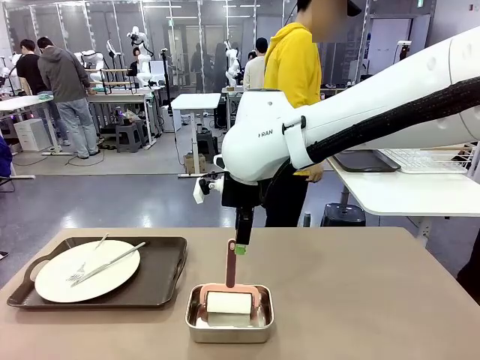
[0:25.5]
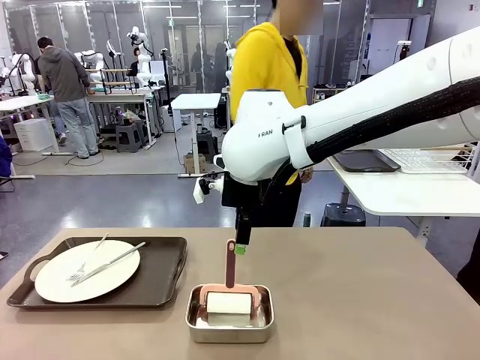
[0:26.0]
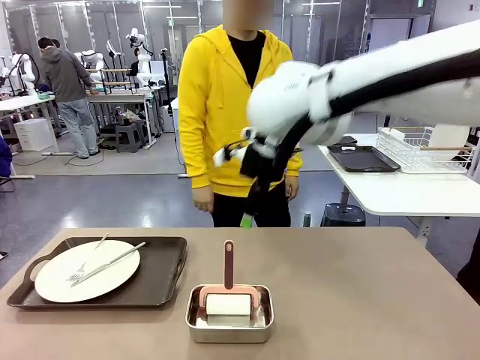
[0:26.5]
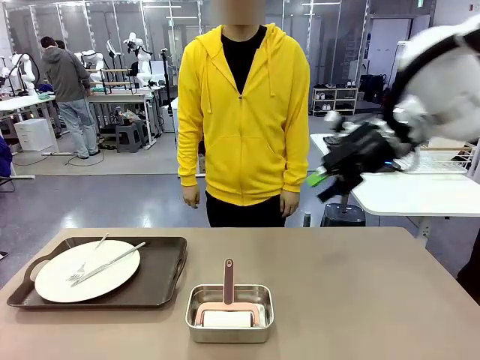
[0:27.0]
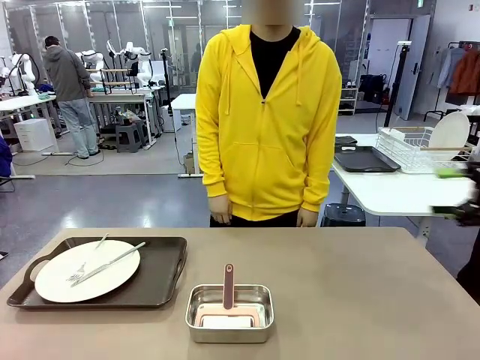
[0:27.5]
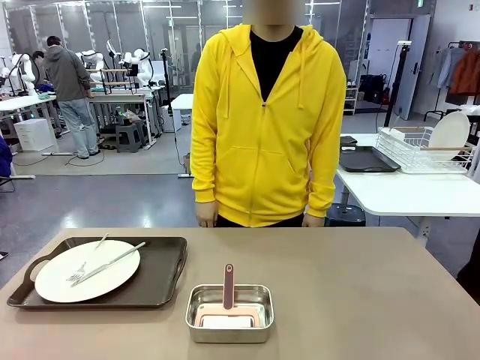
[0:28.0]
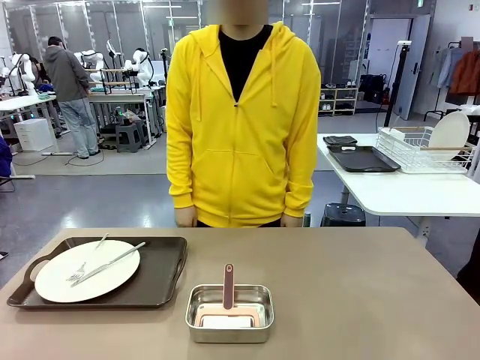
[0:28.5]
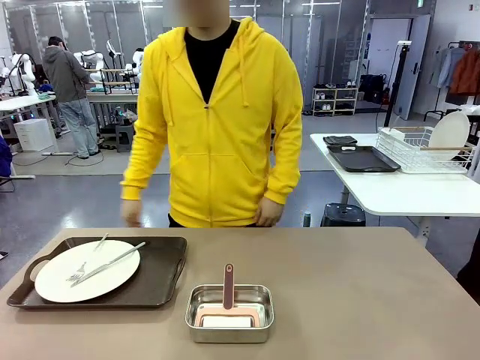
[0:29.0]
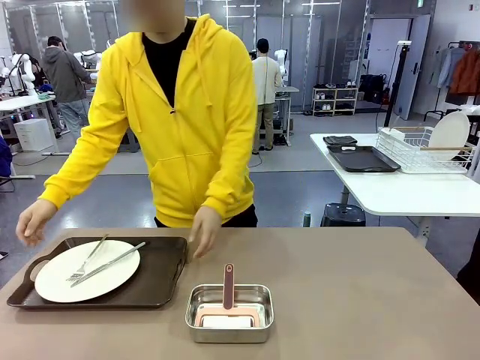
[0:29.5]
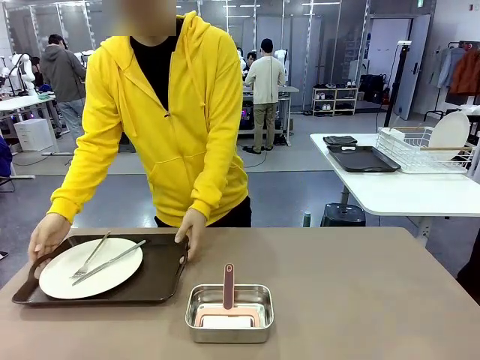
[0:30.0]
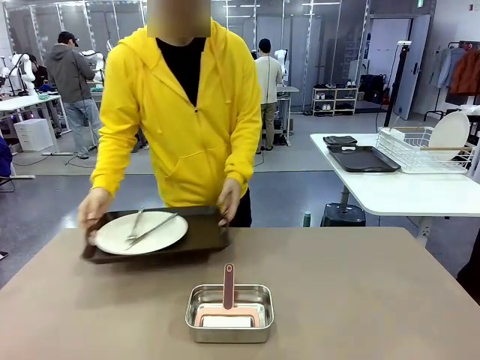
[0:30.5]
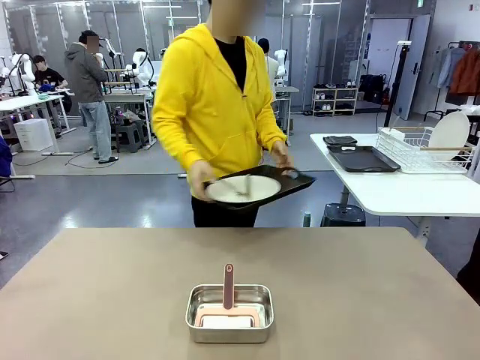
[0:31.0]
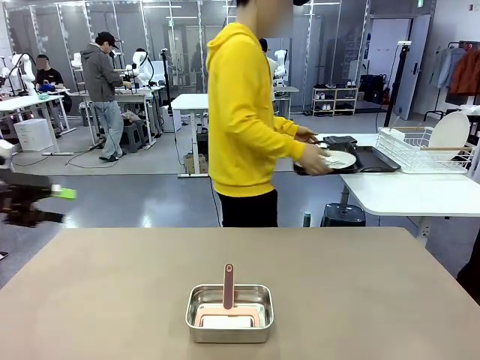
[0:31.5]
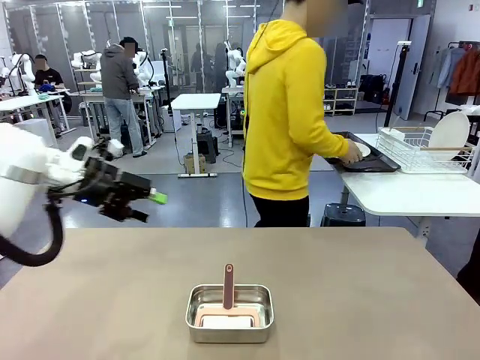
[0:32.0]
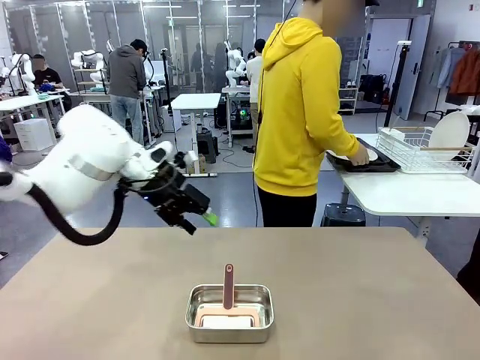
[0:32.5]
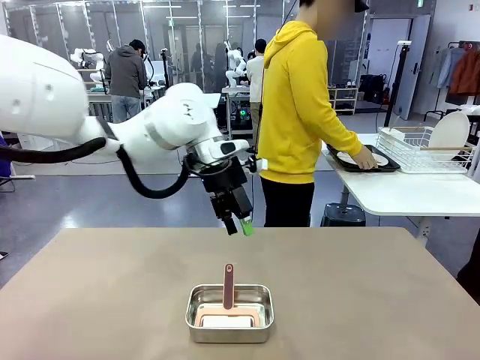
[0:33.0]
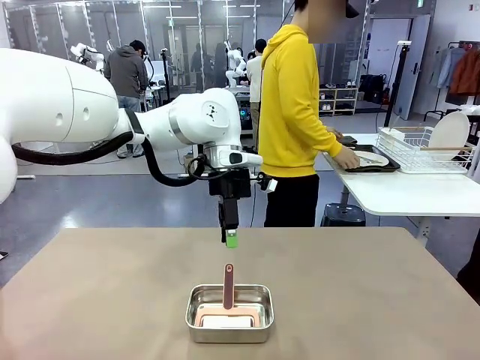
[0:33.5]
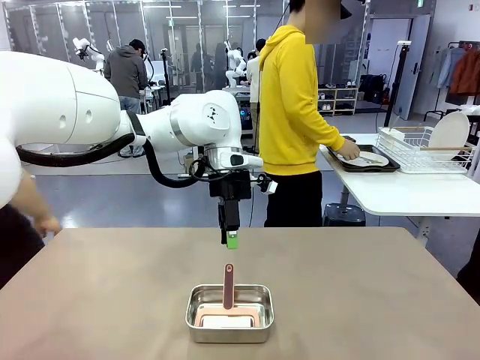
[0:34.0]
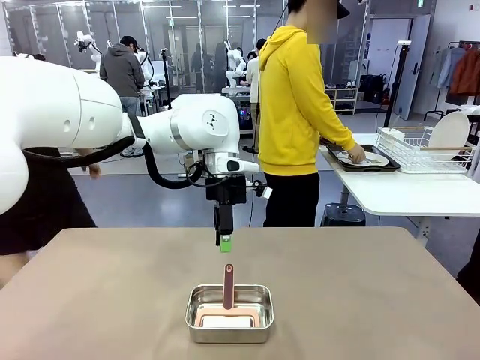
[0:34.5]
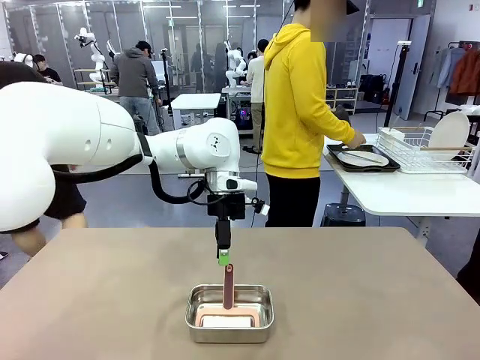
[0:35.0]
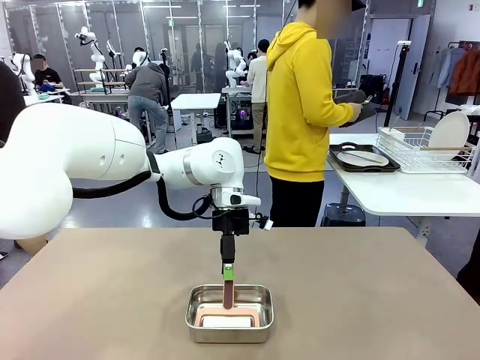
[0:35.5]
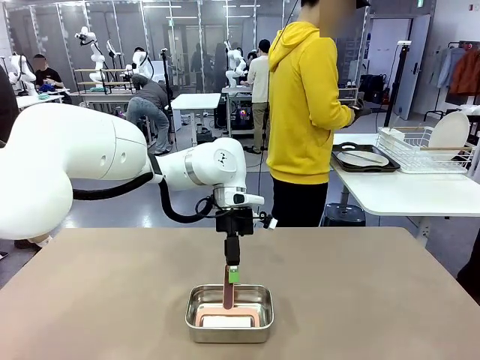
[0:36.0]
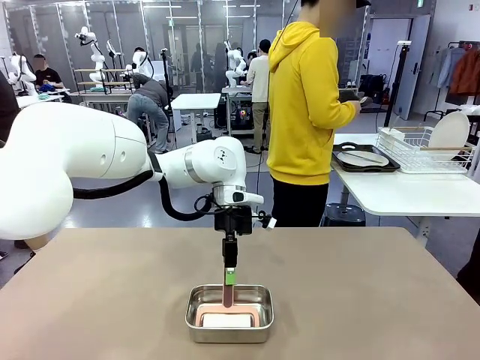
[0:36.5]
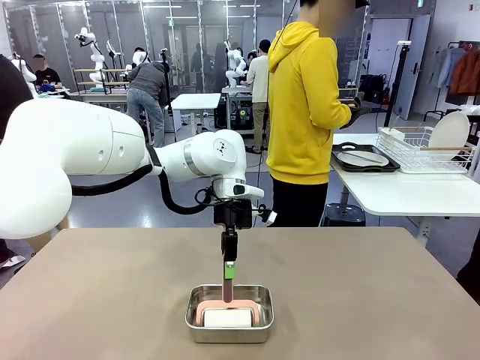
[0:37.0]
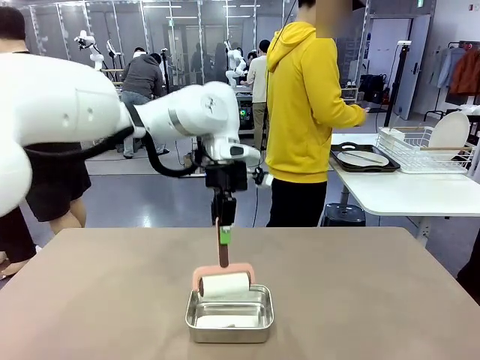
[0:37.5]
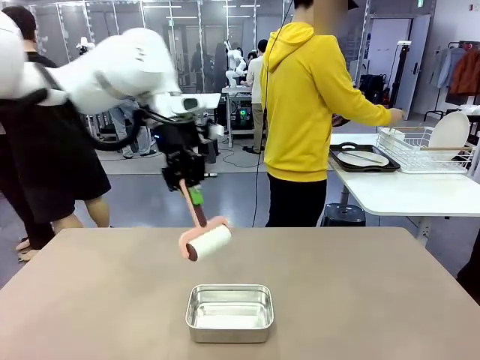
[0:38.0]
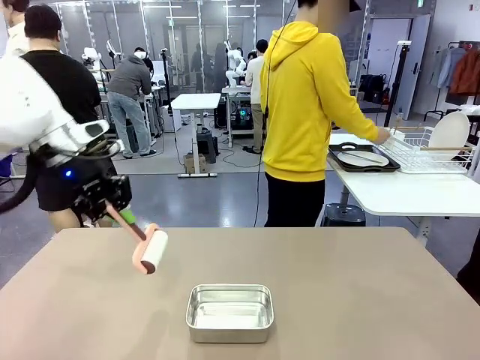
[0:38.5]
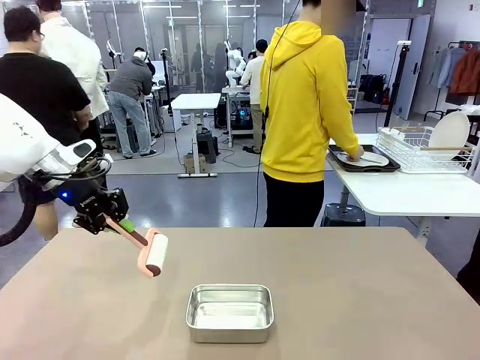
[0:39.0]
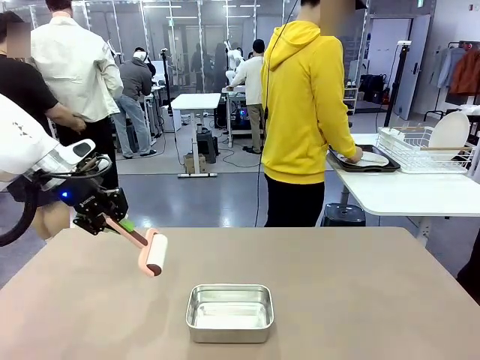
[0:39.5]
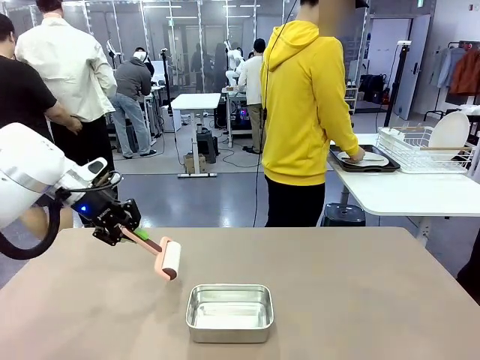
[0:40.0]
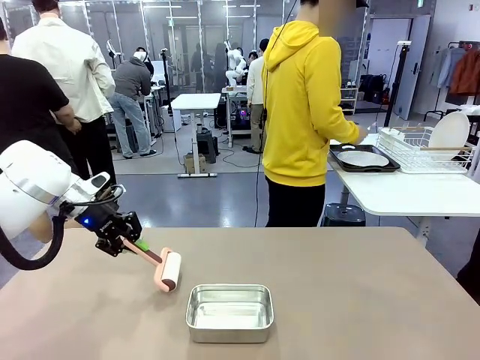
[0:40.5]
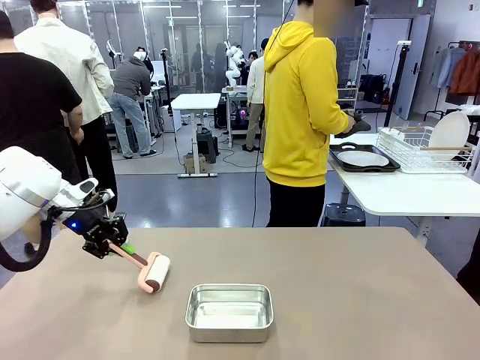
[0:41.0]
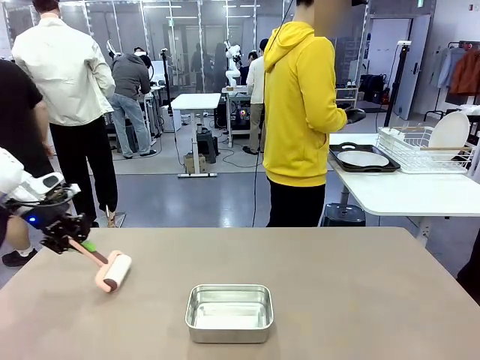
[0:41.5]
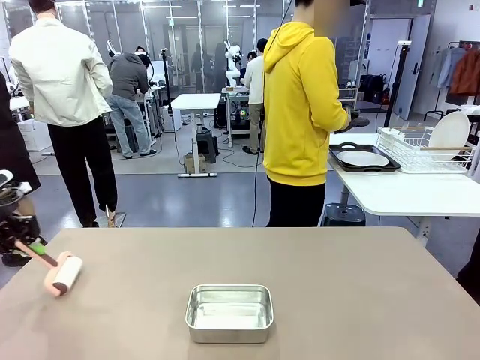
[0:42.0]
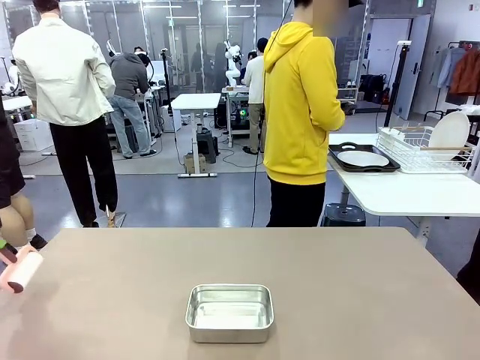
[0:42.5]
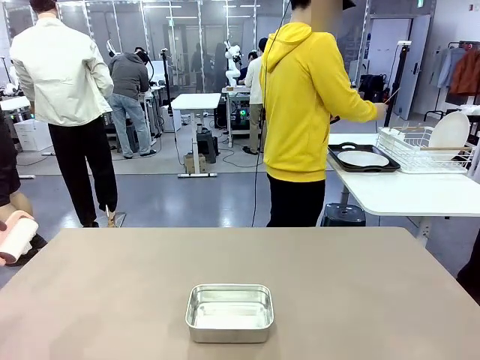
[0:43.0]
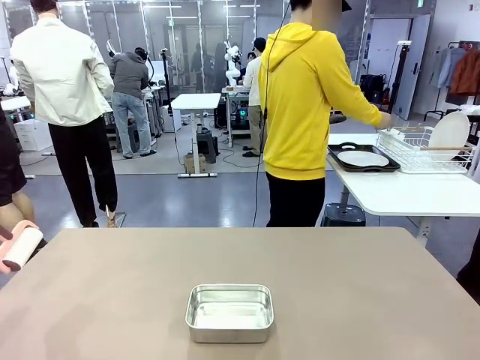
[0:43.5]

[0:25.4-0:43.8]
Robot: When the right (or left) Handle tray is removed, use the right hand (or left hand) to clean the right (or left) side of the table with the Lint Roller.
Person: Pick up the left (or right) Handle tray and place it on the Handle tray.

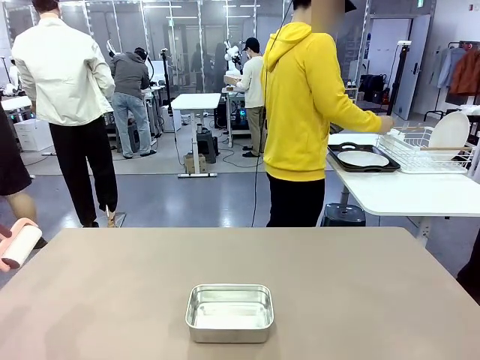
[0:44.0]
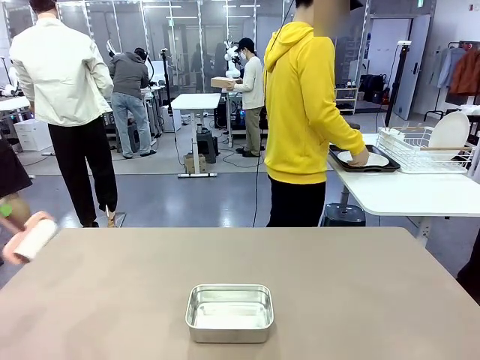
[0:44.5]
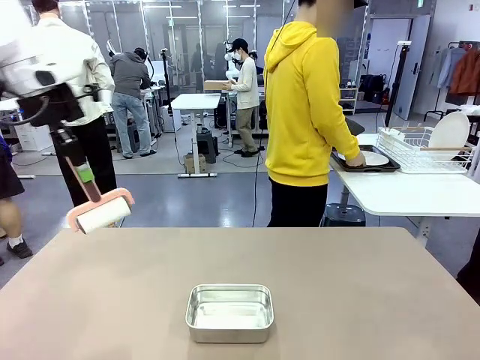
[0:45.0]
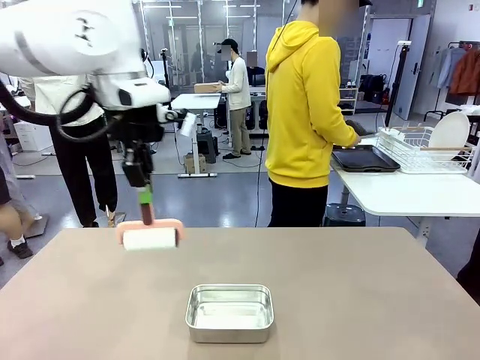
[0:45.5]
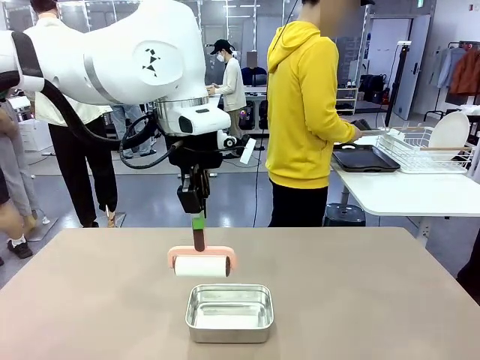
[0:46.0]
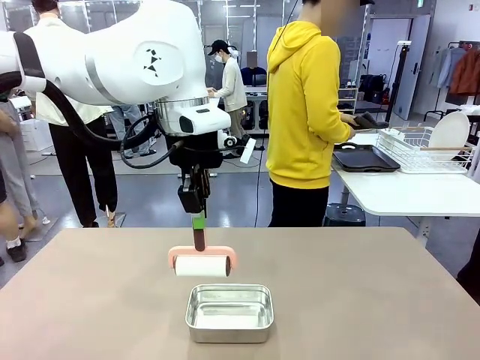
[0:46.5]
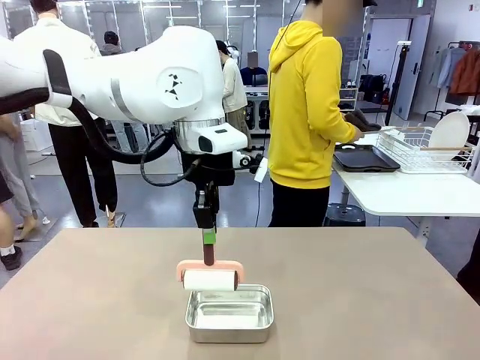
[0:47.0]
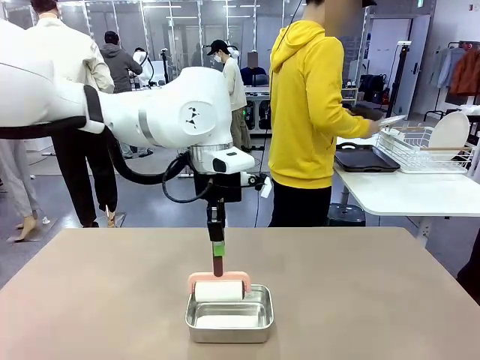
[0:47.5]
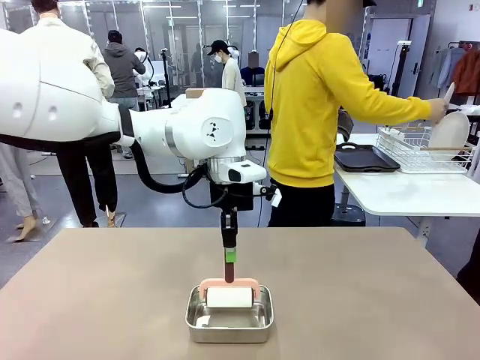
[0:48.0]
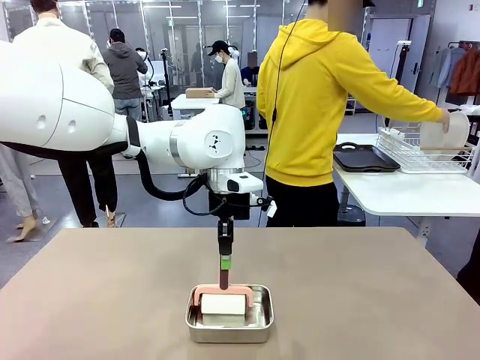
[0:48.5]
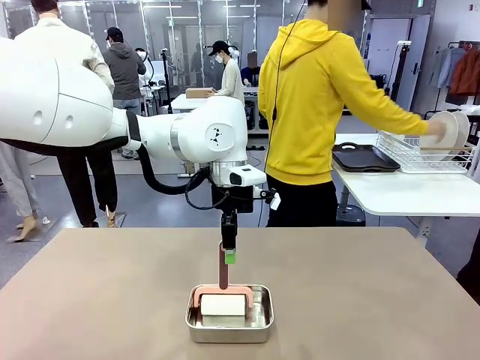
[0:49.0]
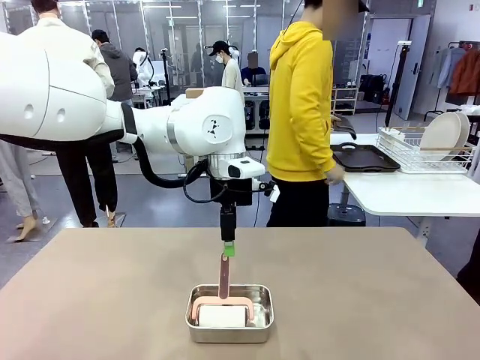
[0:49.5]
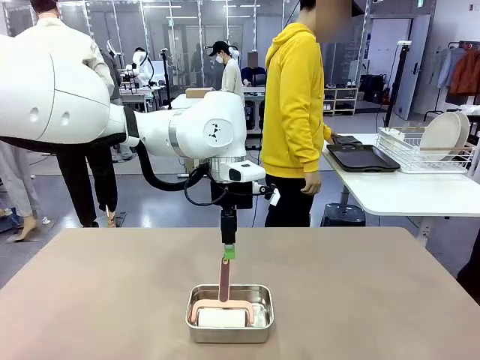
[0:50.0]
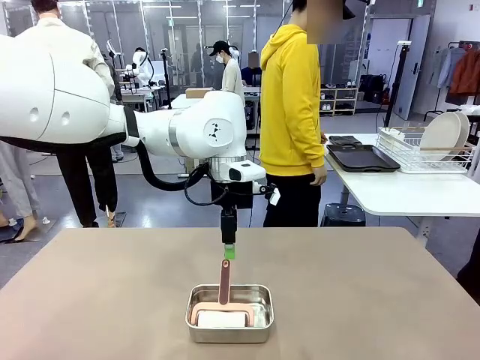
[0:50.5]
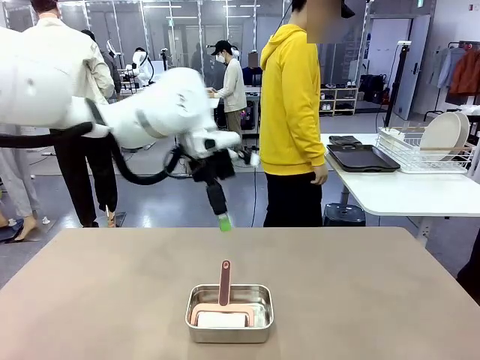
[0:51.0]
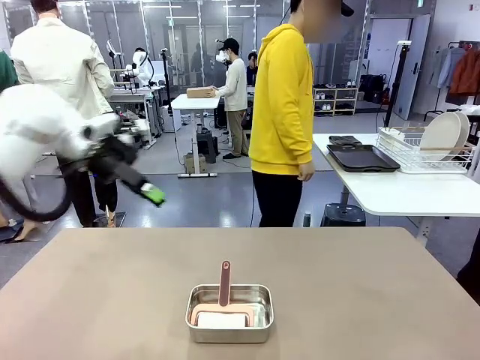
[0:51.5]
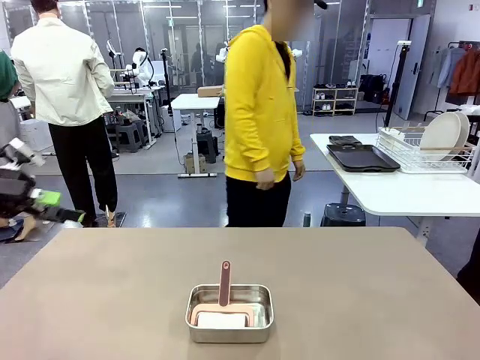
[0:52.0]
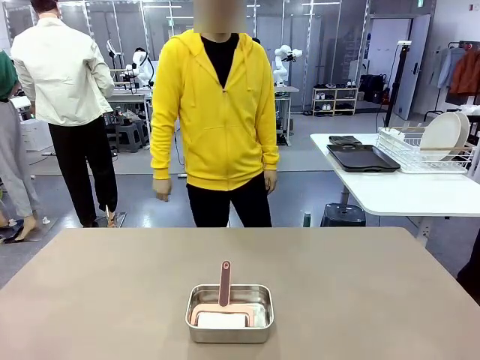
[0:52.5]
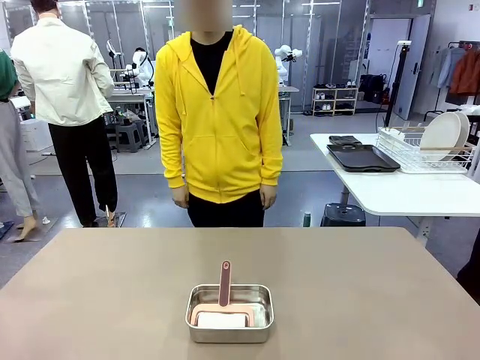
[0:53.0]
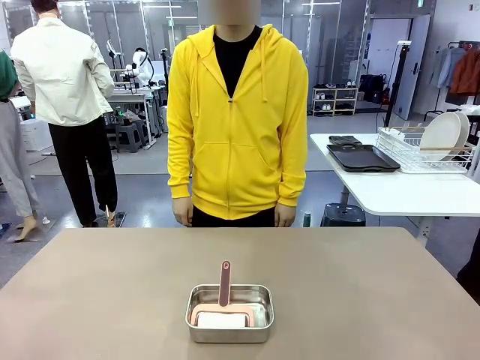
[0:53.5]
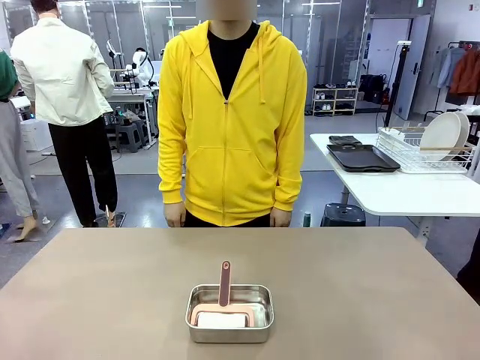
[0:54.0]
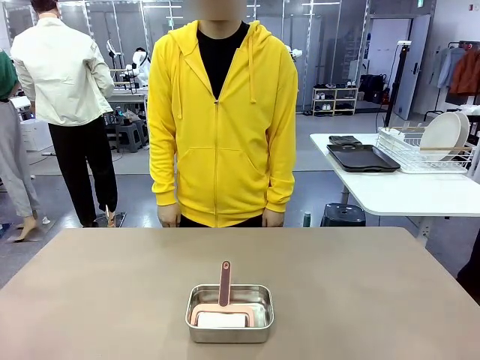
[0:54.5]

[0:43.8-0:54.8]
Robot: Place the Lint Roller back on top of the Airtight Container.
Person: Use the Towel with hook to wipe the Plastic Matte Plate , Fork , and Knife and place into the Dish drying rack.
